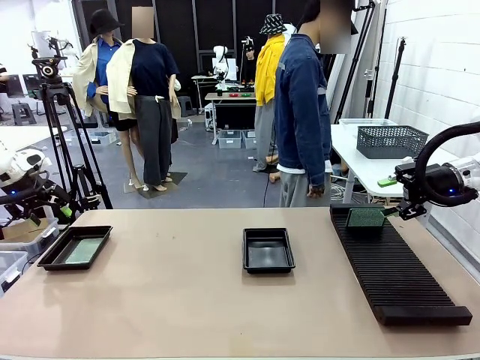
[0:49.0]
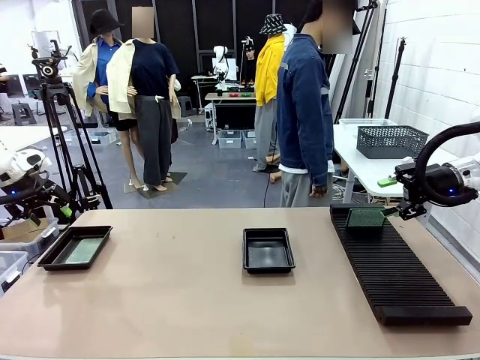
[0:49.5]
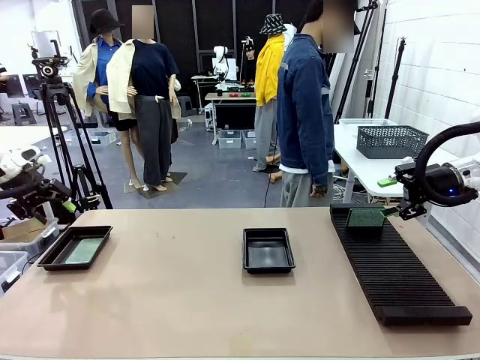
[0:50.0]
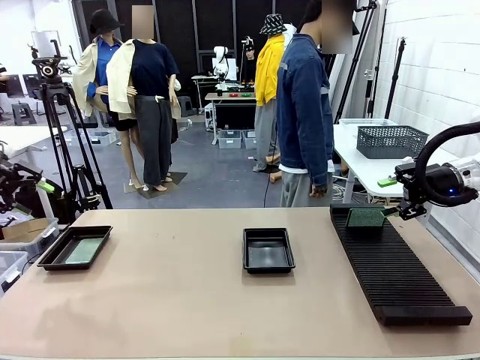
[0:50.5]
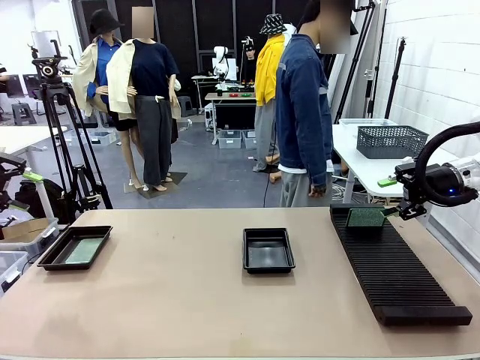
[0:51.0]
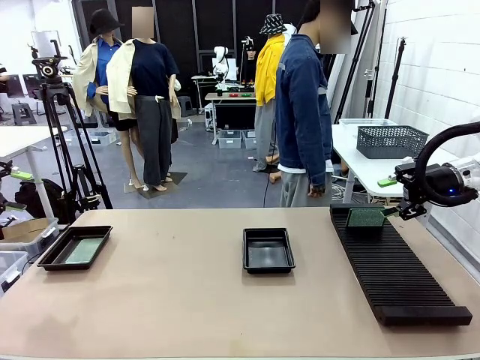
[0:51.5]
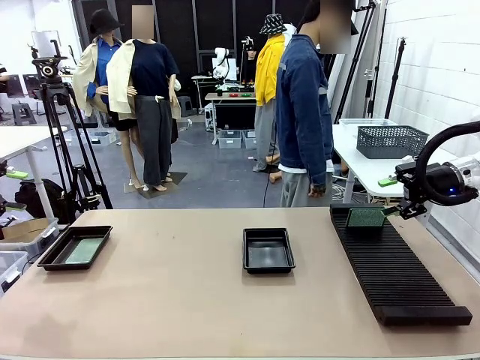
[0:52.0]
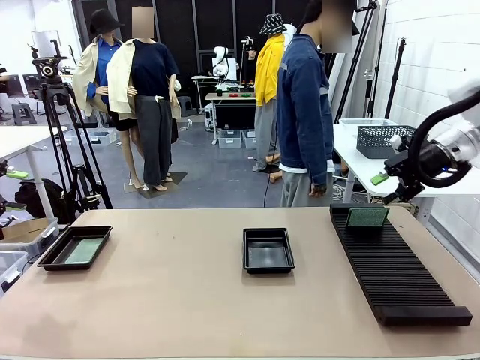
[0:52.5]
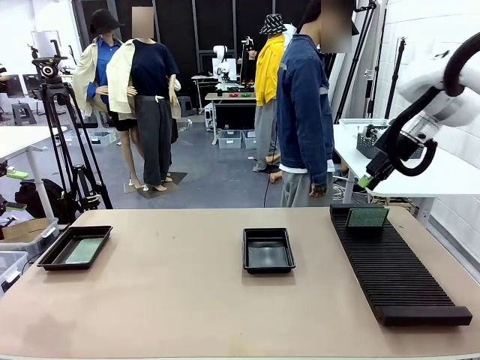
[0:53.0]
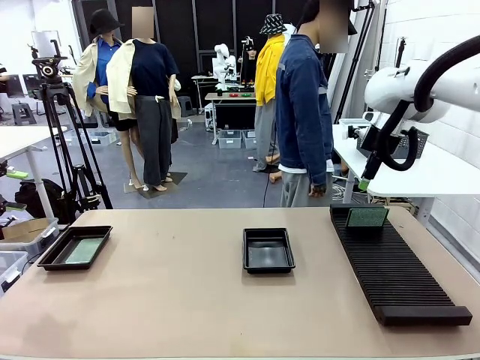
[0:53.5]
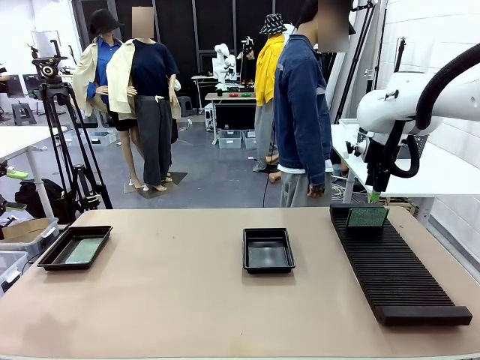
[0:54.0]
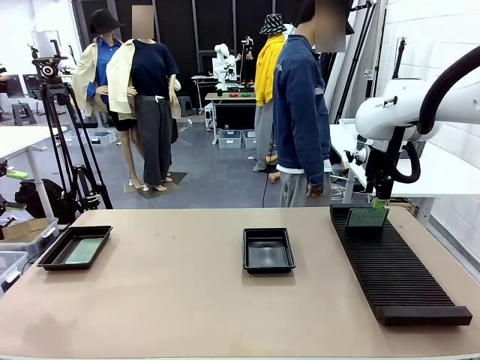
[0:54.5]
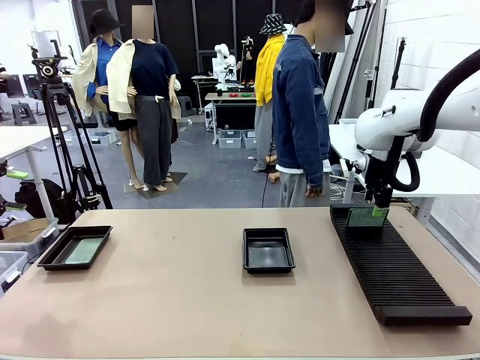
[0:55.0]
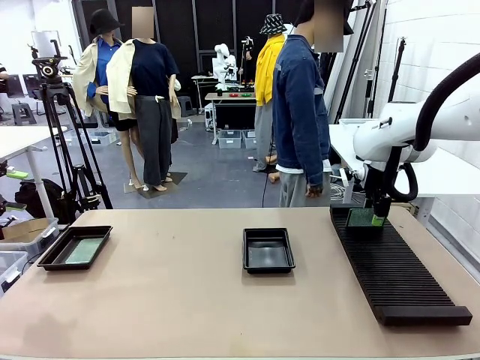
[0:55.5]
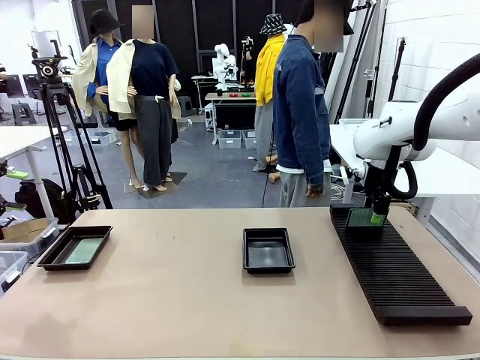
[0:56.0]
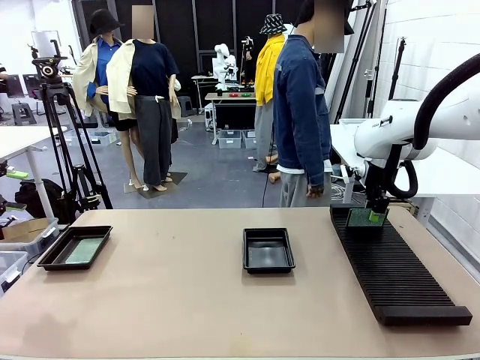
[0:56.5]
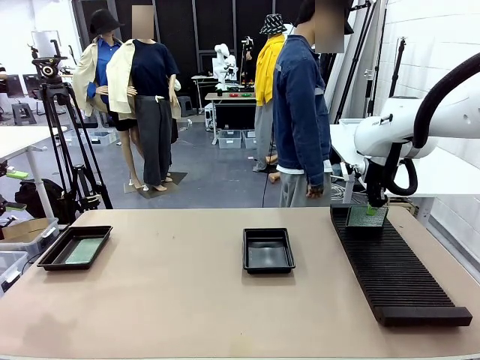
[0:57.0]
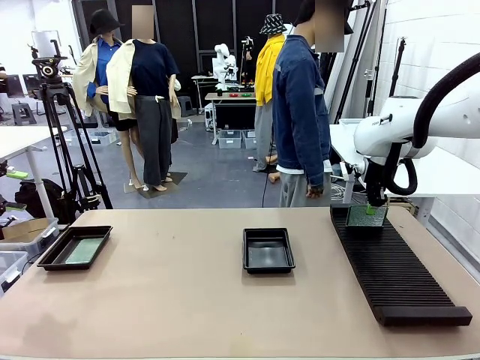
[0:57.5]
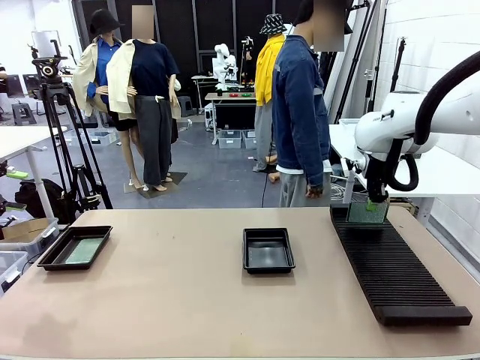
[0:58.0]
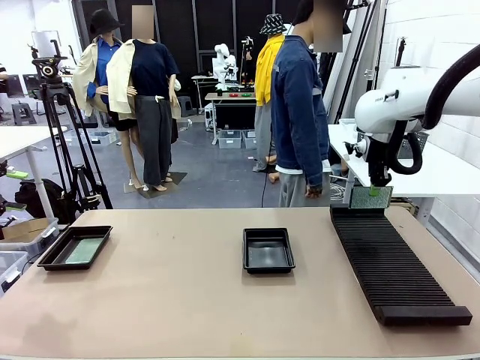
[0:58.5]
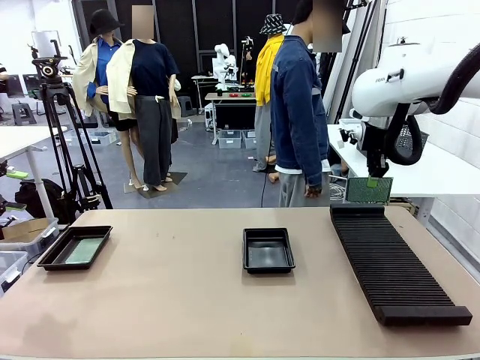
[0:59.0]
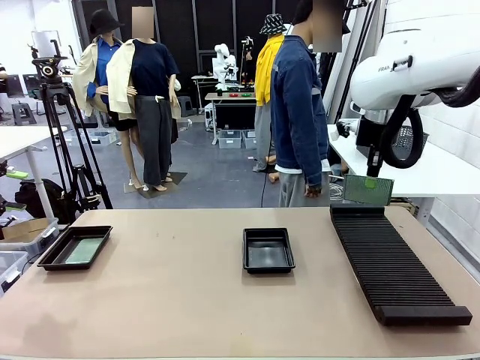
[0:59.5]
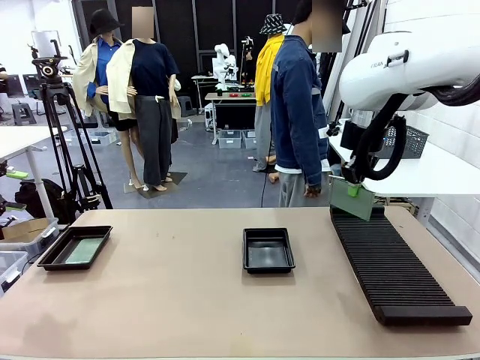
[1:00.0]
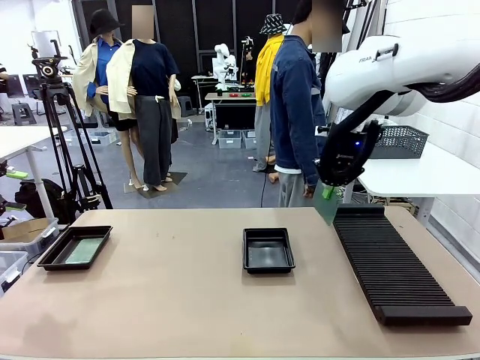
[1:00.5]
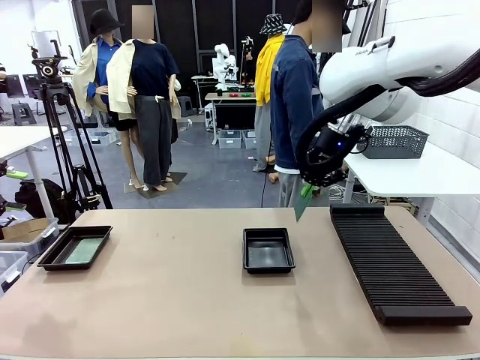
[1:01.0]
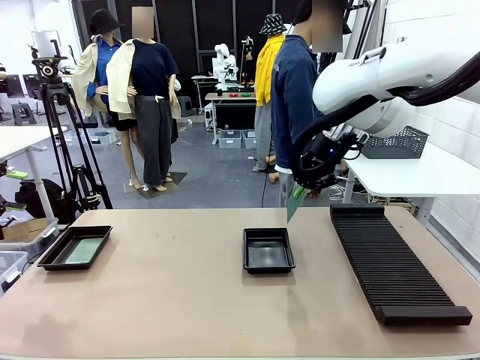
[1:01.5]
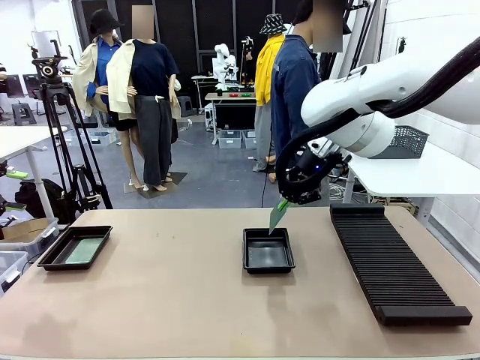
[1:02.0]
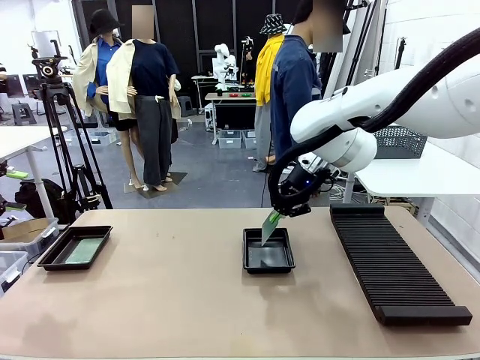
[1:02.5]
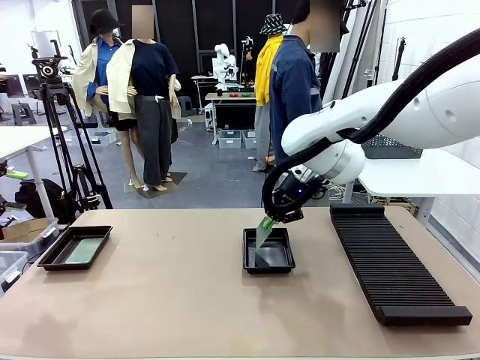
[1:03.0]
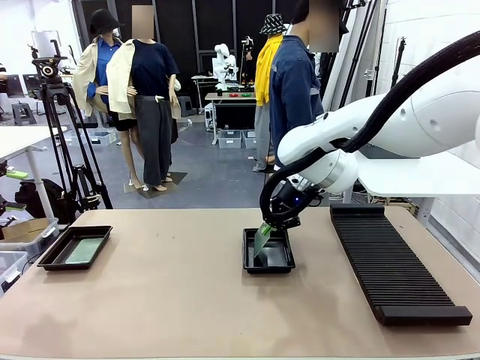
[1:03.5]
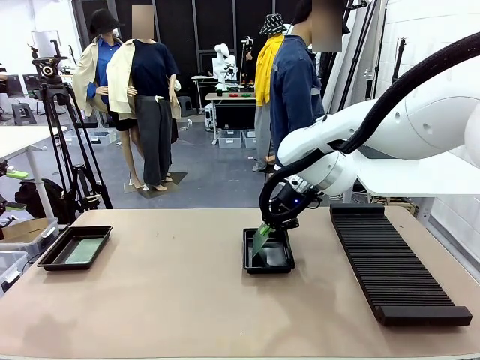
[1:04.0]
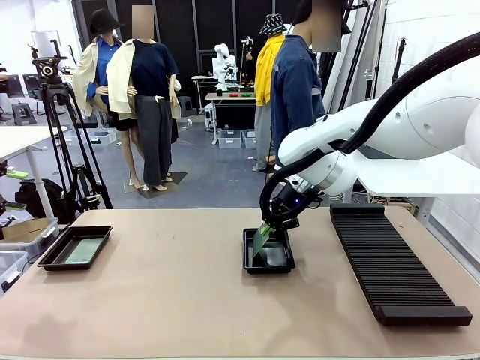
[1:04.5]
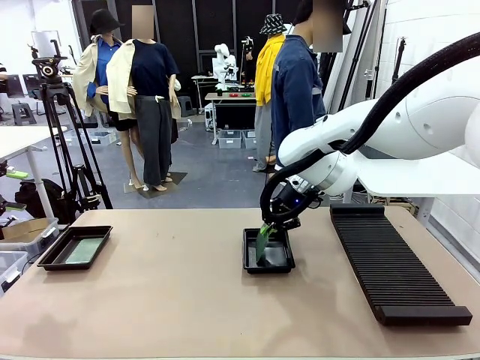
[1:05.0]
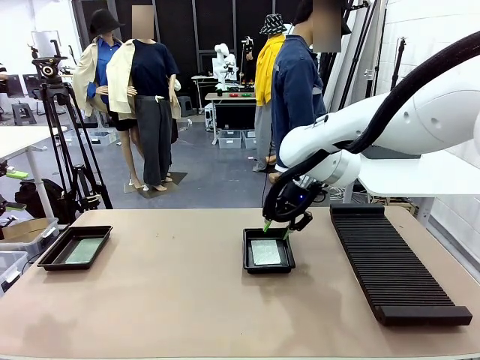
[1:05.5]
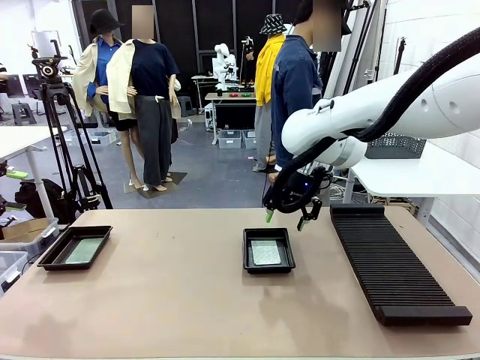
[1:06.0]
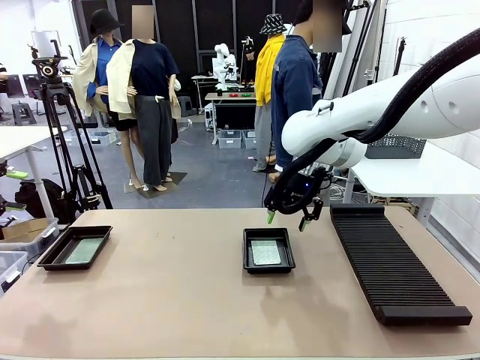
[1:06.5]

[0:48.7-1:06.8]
Task: Inspect and transfer BCBs to ESD trays.
Robot: Pick up the Blank PCB from the PCB Rack and place it in the right ESD tray.

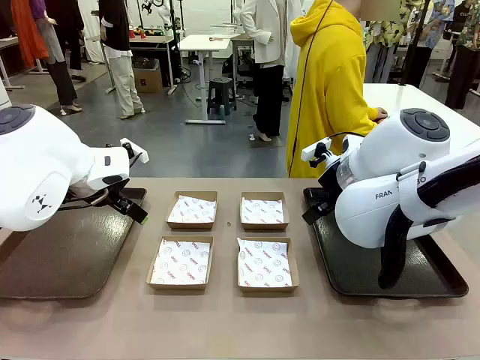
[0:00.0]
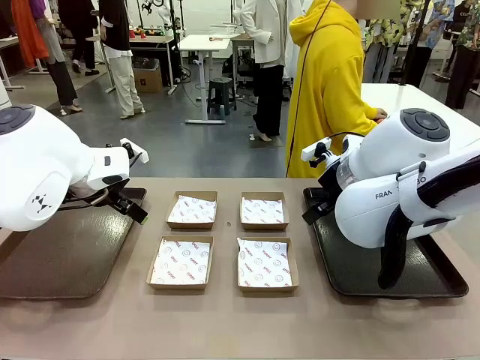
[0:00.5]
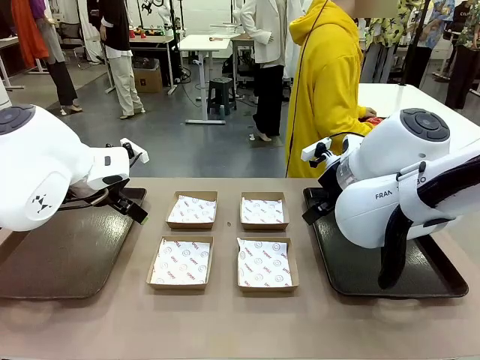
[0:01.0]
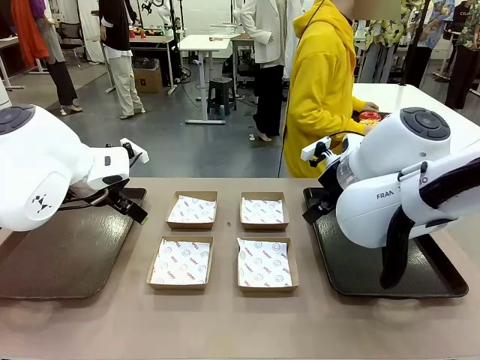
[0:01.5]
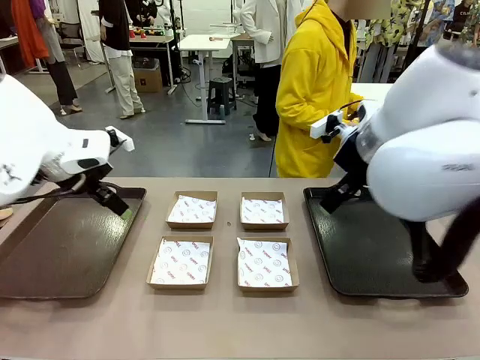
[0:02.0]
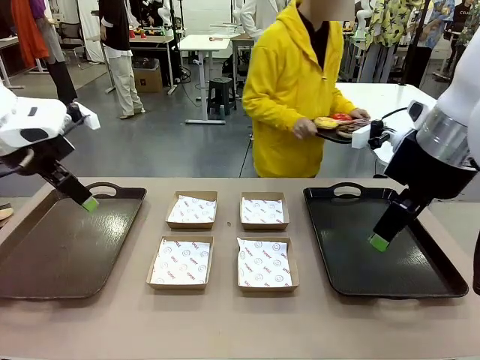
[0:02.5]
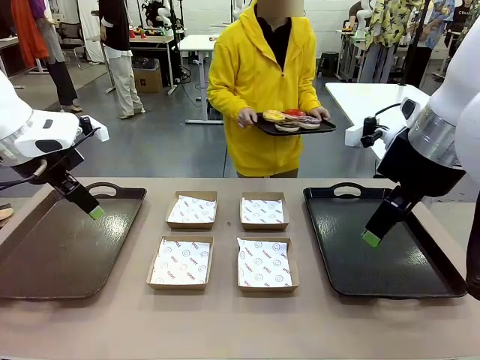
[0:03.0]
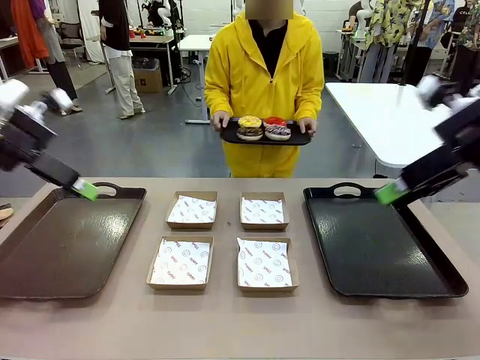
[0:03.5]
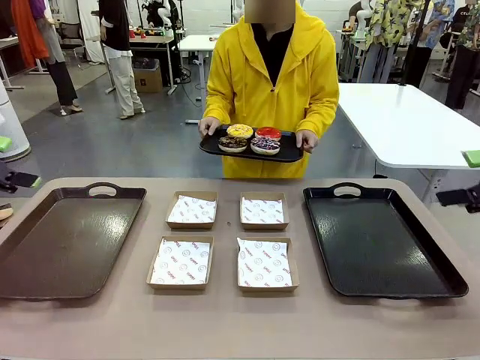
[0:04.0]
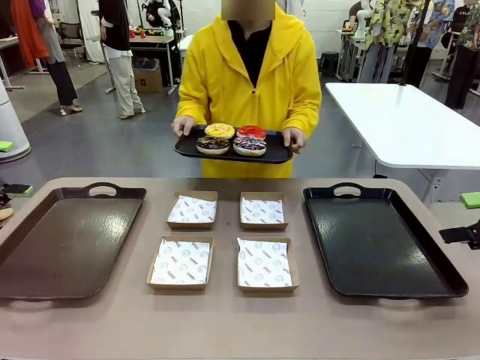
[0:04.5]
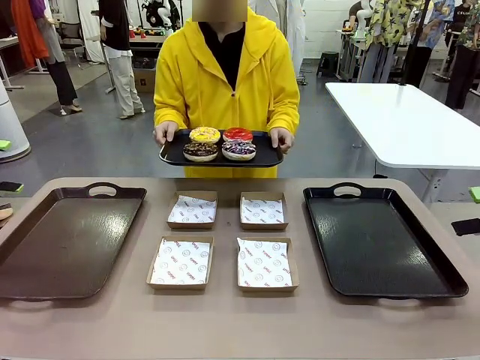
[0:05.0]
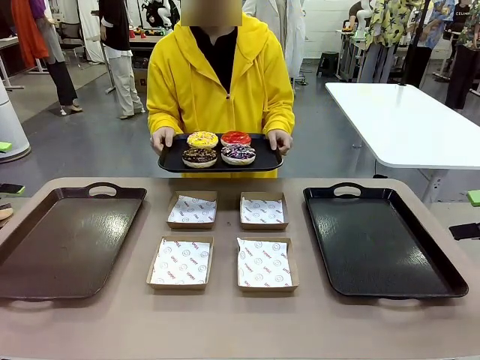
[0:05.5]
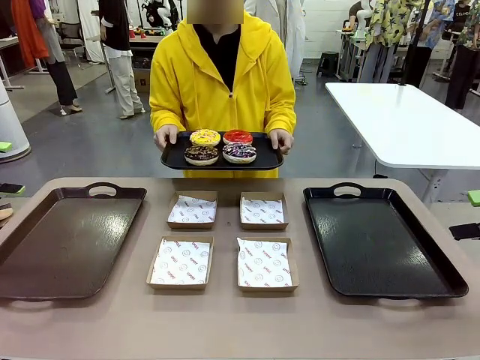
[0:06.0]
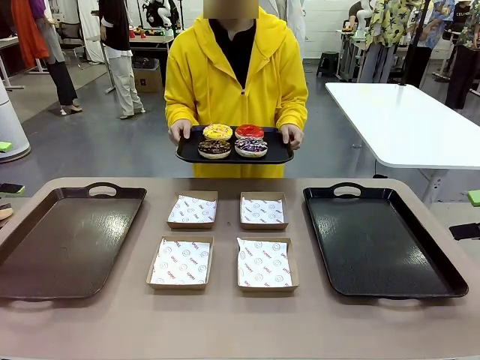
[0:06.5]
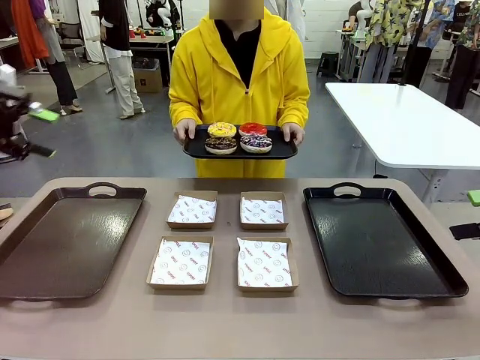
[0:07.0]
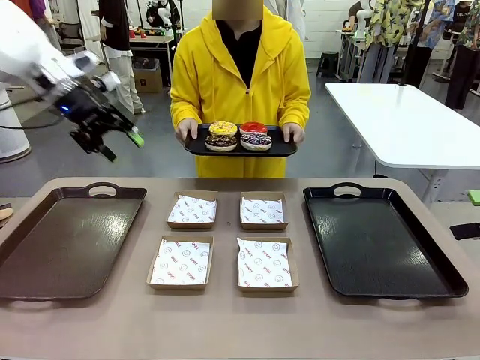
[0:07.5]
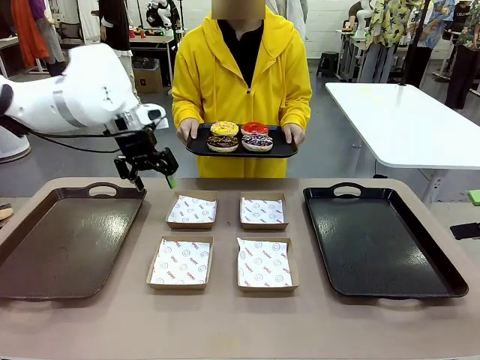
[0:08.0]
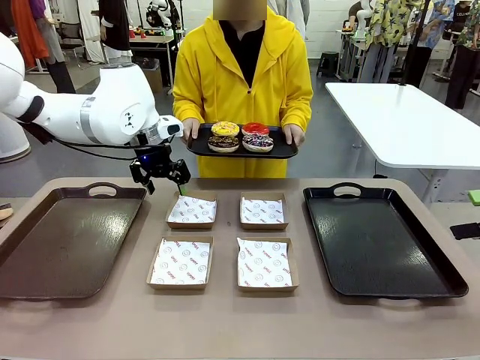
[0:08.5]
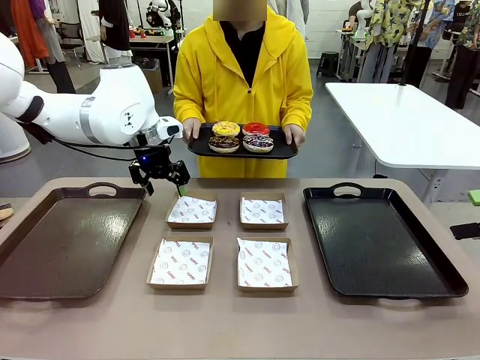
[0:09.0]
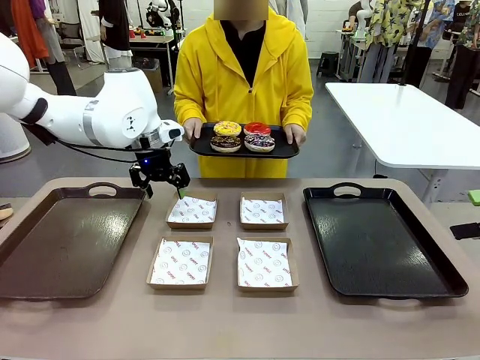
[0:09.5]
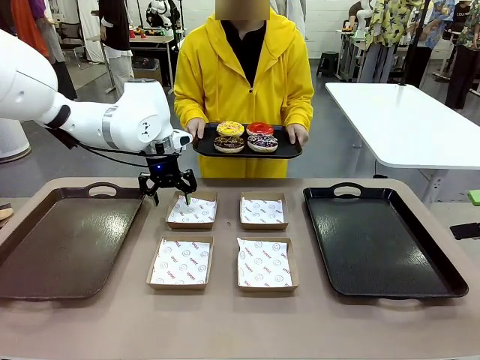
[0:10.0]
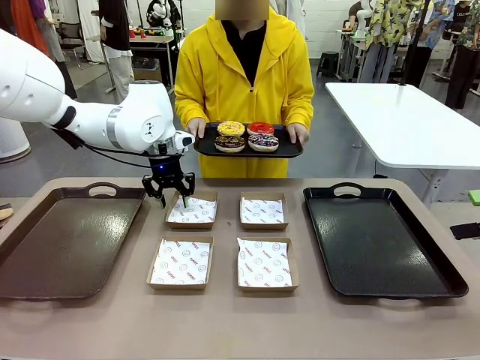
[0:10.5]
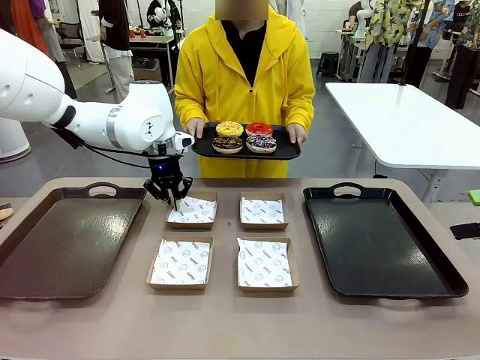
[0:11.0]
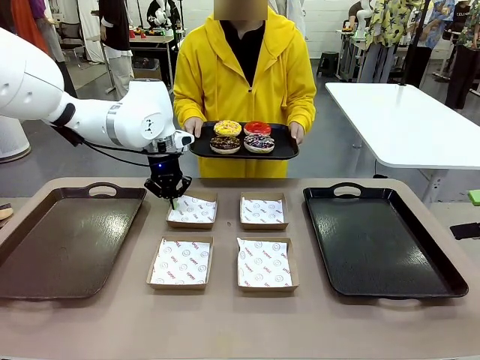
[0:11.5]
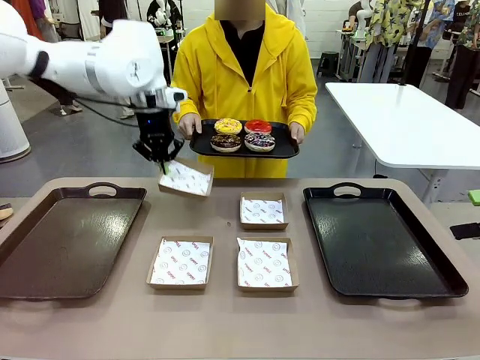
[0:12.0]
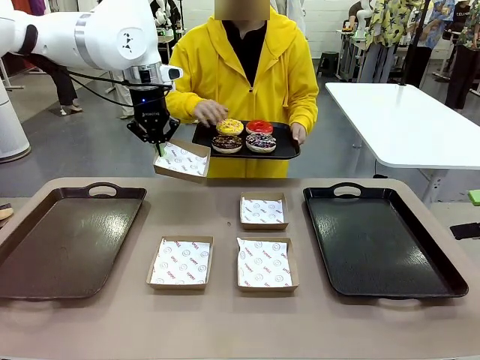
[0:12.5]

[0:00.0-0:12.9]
Task: Individually package the donuts and arrange them on the tray.
Robot: Pick up one Paper togo box.
Person: Stand in front of the robot table holding the tray containing the donuts.
